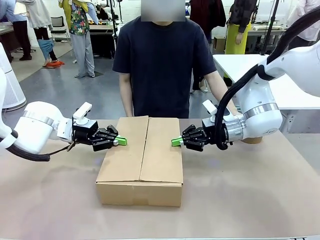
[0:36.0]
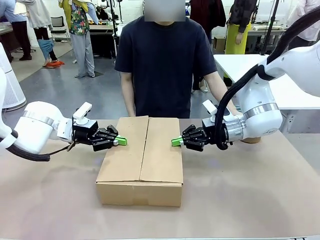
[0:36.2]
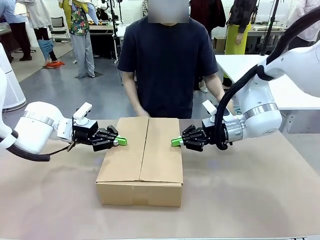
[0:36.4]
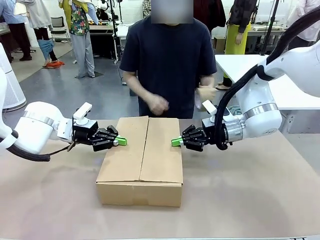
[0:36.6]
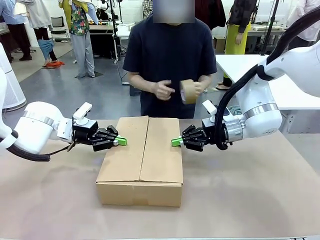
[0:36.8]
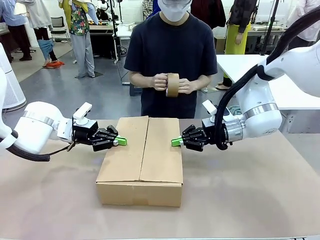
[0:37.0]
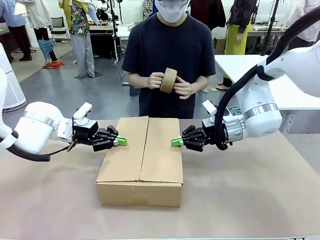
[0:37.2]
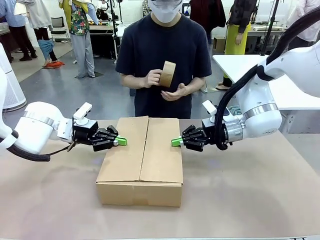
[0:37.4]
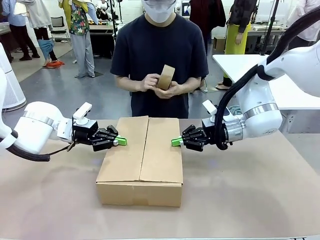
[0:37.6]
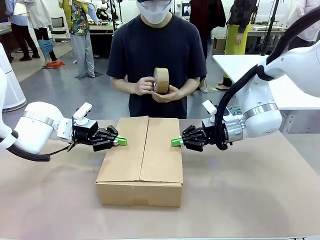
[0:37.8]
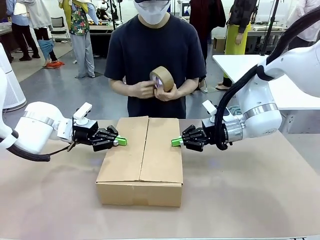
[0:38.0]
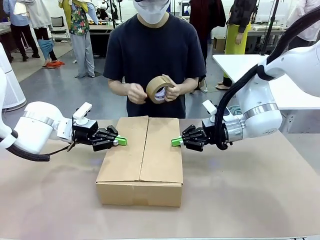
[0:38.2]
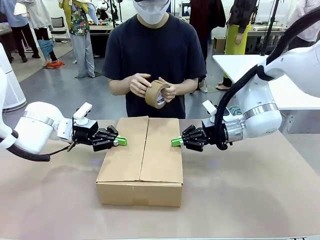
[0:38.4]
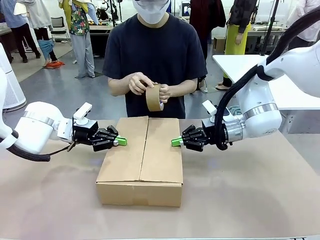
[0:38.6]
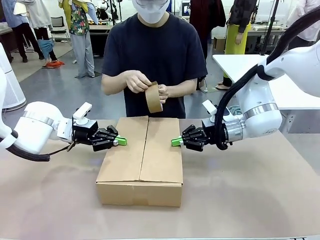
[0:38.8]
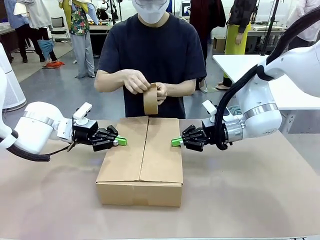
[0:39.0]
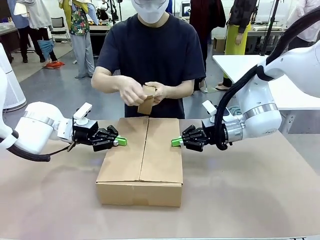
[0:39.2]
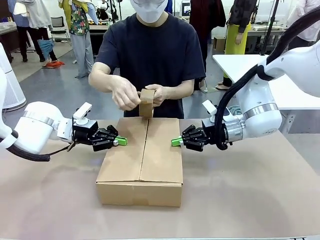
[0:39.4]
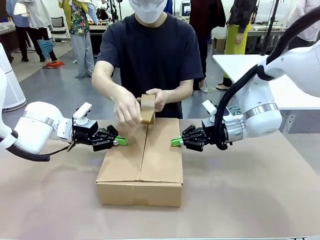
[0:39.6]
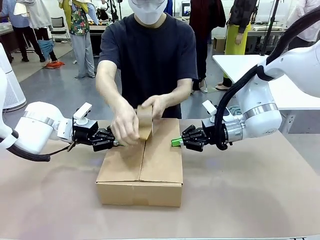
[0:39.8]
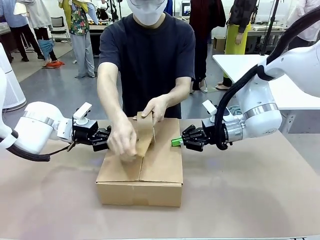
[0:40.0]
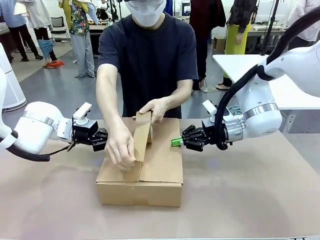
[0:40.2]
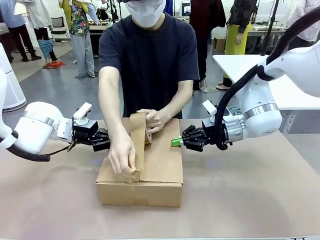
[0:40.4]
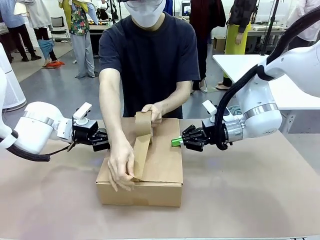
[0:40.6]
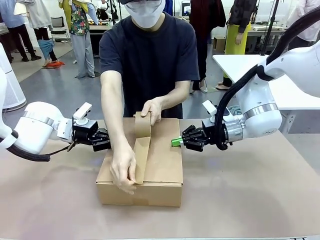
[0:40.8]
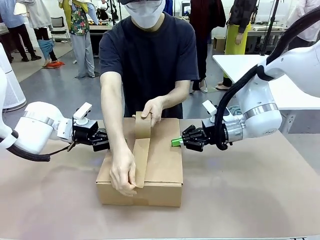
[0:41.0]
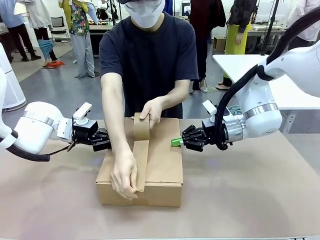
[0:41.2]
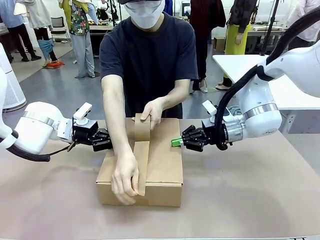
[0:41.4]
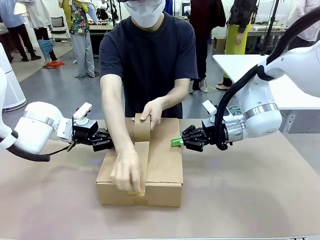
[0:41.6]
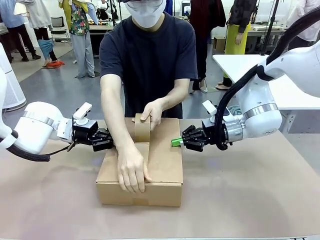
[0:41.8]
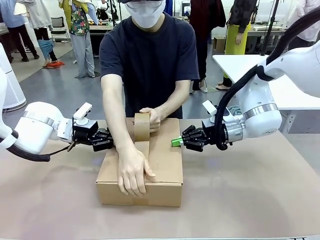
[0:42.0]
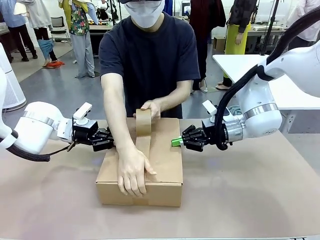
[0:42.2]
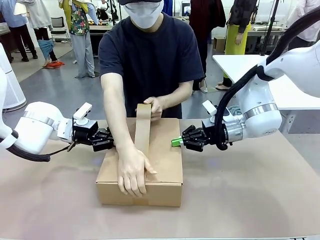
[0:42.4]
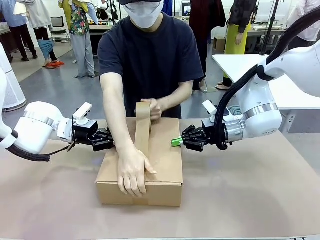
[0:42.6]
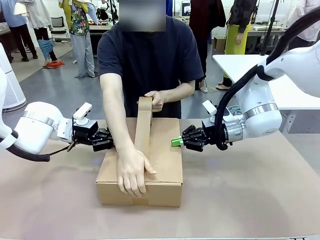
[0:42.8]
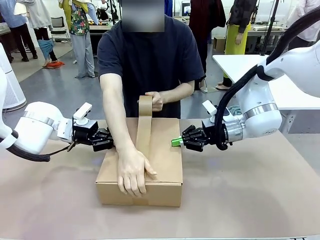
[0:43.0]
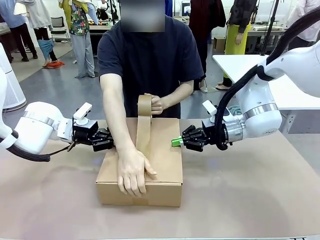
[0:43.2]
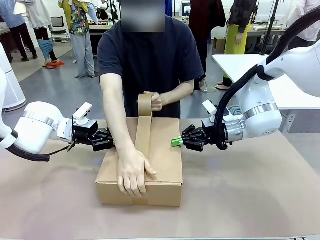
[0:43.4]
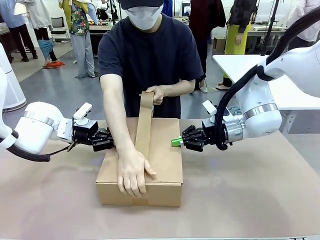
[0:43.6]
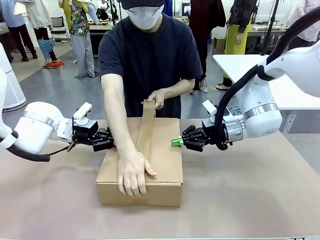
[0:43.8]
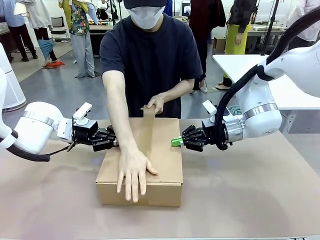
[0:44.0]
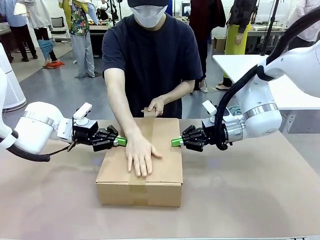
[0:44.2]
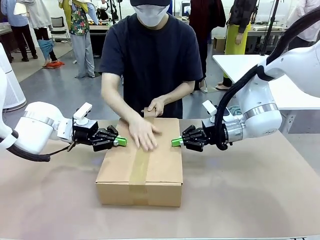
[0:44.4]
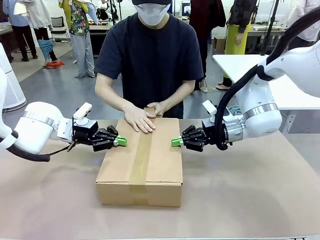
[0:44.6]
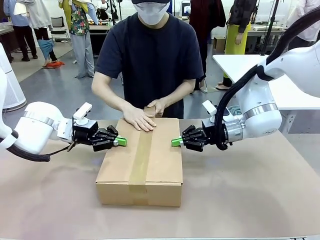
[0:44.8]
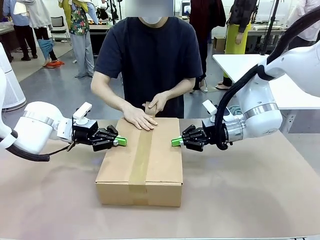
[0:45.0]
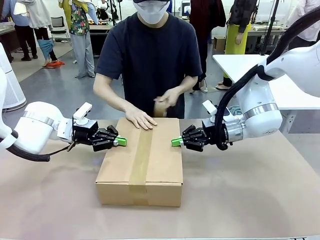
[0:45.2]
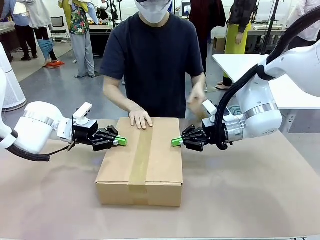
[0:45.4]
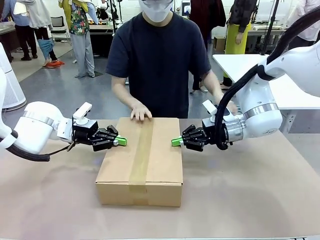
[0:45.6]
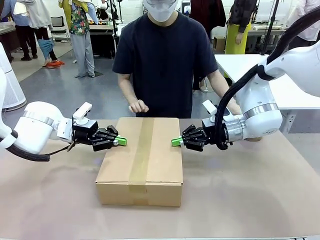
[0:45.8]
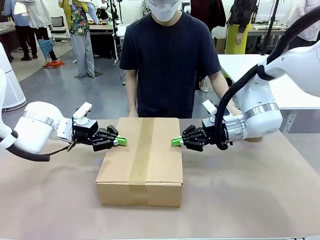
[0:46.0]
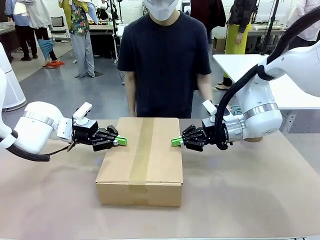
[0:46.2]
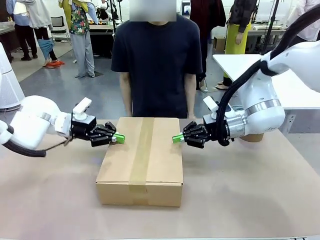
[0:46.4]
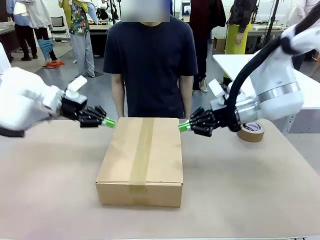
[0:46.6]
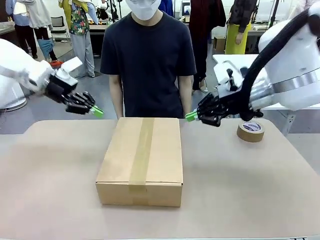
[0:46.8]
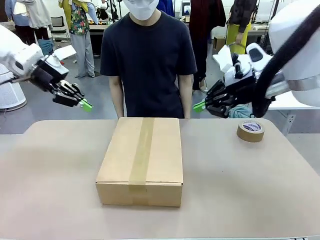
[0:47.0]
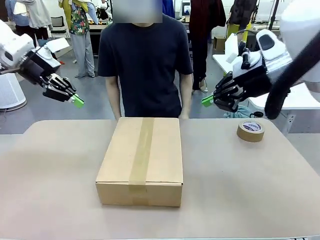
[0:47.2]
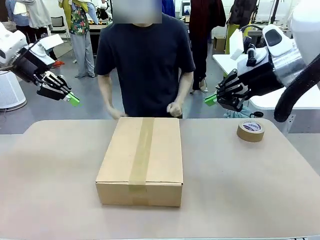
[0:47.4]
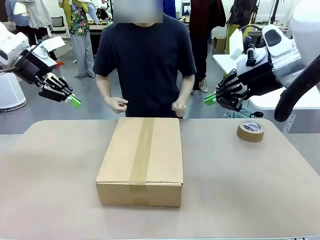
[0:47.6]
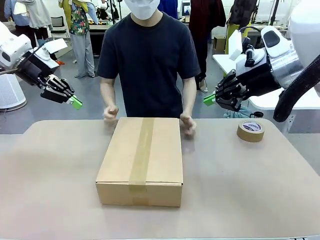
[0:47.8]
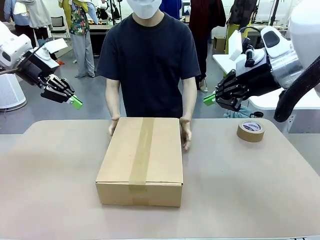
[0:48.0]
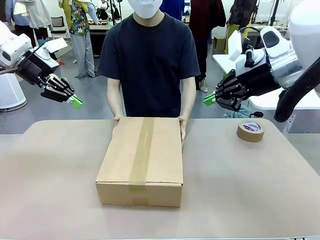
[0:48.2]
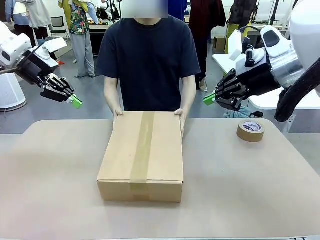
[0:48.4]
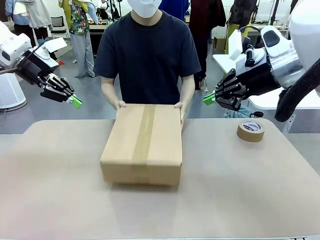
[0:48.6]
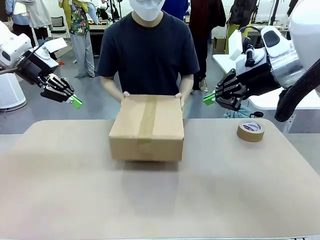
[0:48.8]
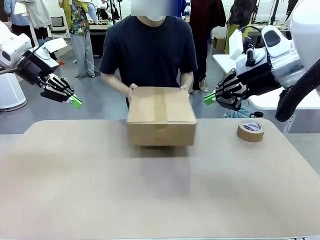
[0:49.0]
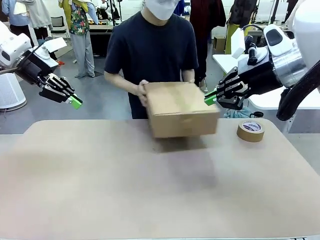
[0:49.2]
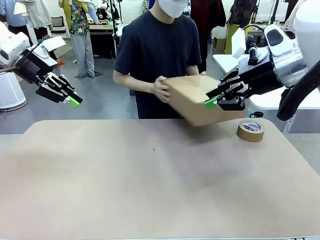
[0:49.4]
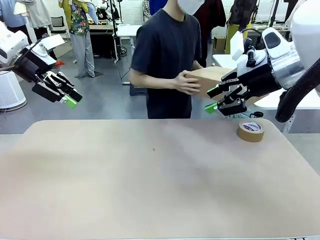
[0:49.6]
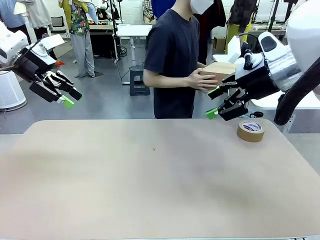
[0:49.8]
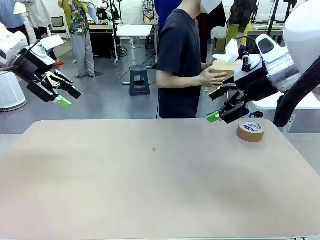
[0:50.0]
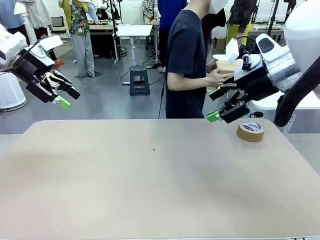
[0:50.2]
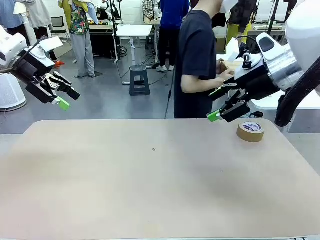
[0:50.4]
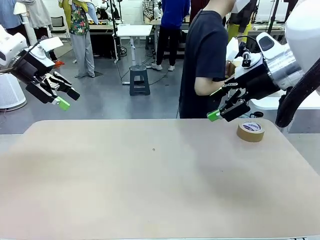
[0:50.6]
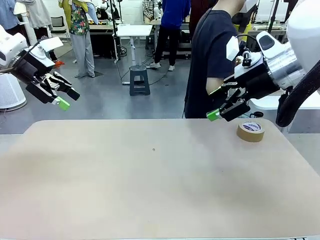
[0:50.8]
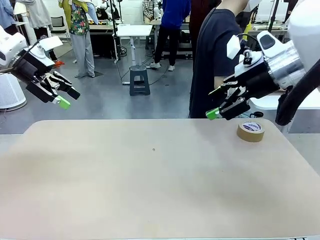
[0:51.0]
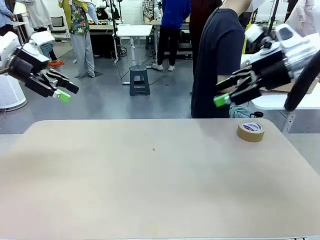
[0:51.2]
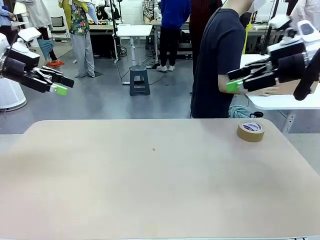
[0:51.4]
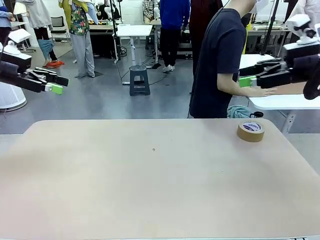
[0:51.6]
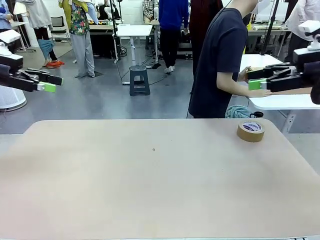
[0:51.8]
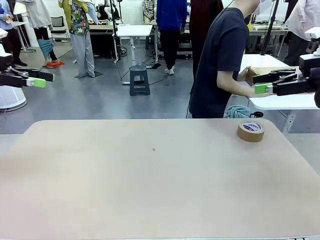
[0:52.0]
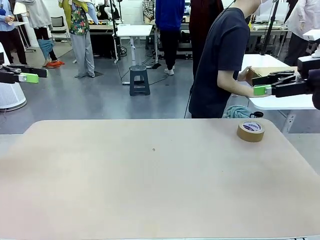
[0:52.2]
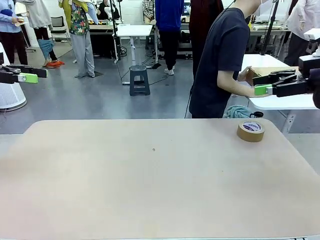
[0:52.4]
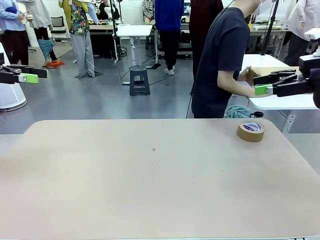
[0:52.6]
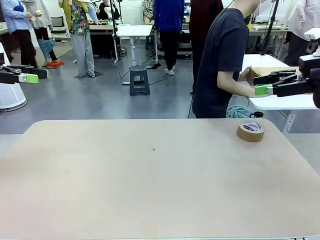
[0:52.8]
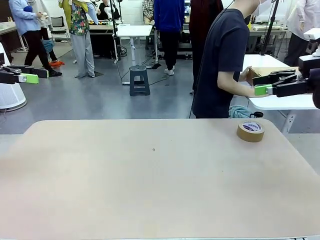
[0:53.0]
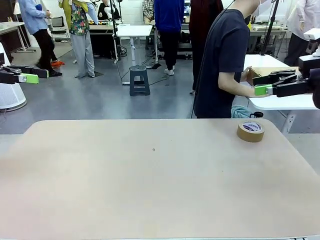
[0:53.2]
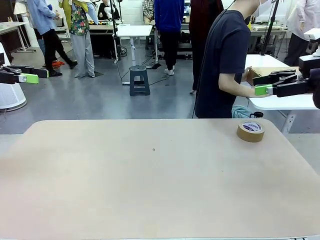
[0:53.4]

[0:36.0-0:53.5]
Task: Wrap the clocks to prevent damage.
Robot: After the human seals the box with tape, release both hands from the side flaps of the Package Box.
Person: Once the robot closes the left flap of the Package Box , seal the box with Paper Tape. Place sealed Package Box in the middle of the human's table.

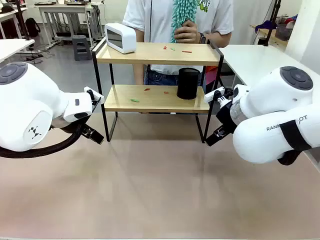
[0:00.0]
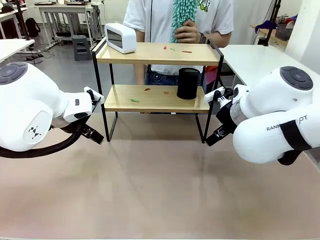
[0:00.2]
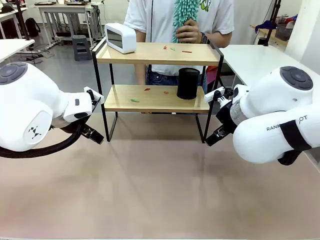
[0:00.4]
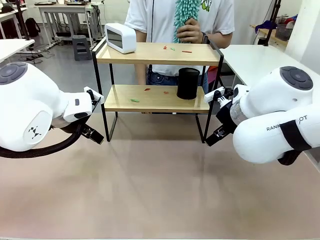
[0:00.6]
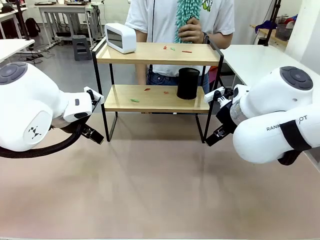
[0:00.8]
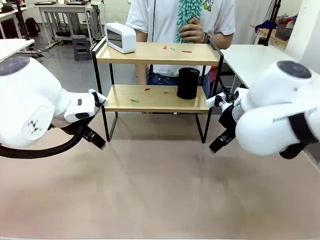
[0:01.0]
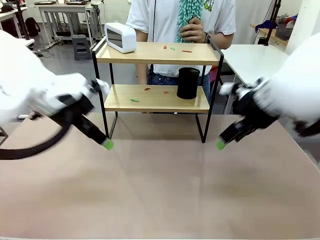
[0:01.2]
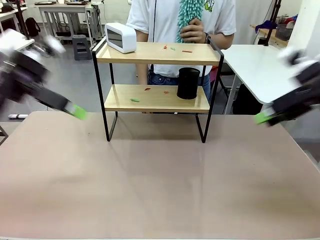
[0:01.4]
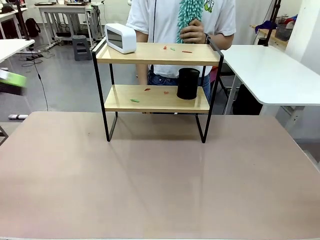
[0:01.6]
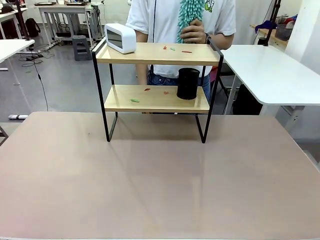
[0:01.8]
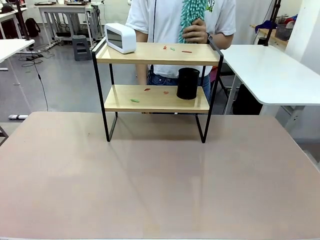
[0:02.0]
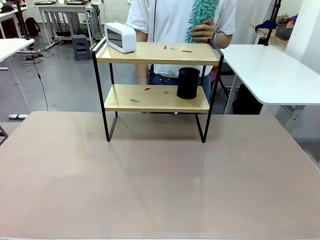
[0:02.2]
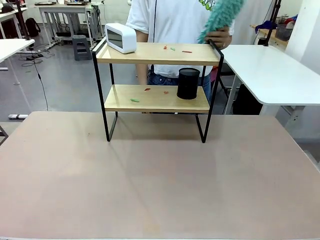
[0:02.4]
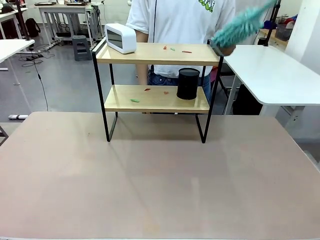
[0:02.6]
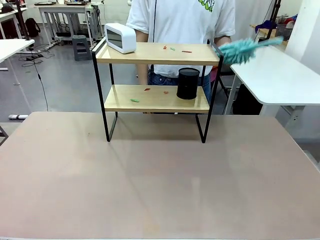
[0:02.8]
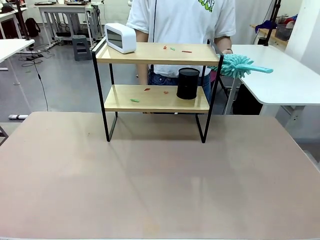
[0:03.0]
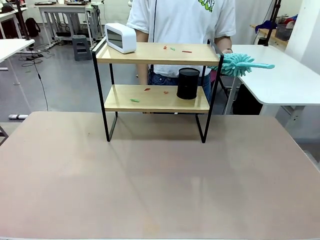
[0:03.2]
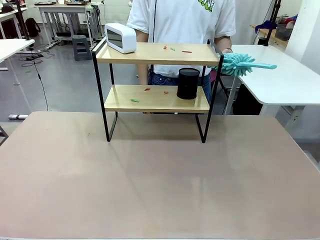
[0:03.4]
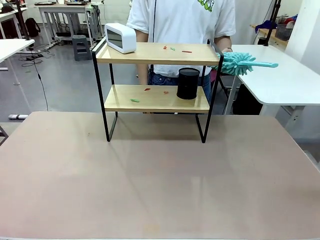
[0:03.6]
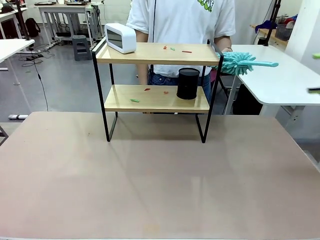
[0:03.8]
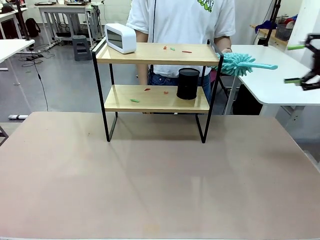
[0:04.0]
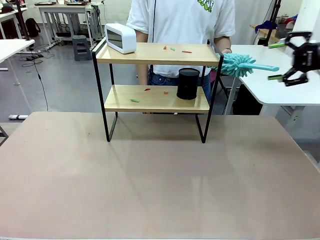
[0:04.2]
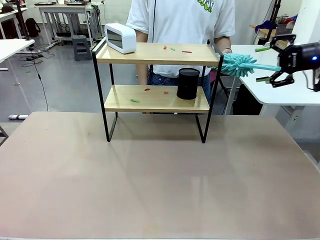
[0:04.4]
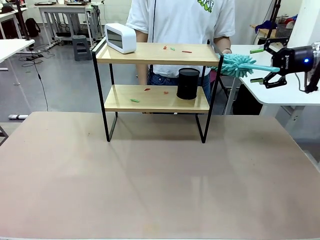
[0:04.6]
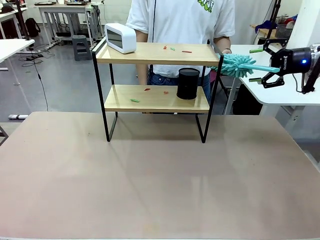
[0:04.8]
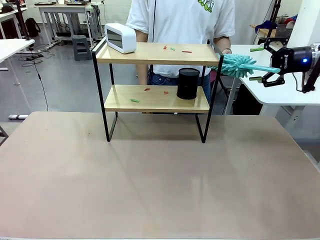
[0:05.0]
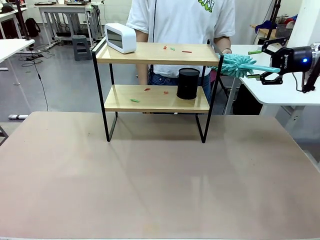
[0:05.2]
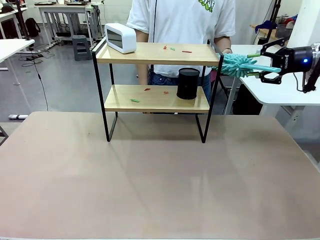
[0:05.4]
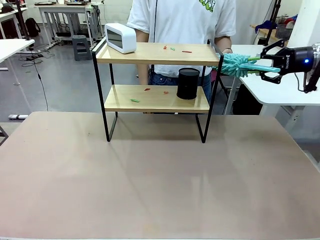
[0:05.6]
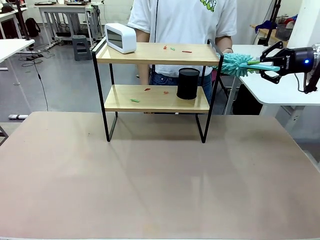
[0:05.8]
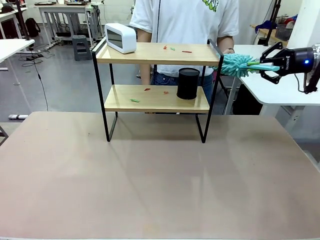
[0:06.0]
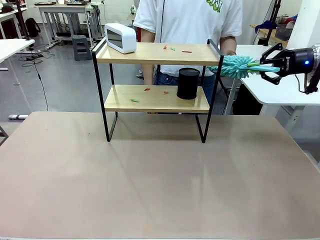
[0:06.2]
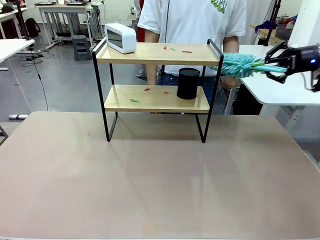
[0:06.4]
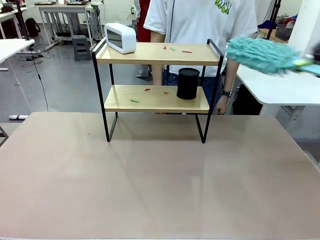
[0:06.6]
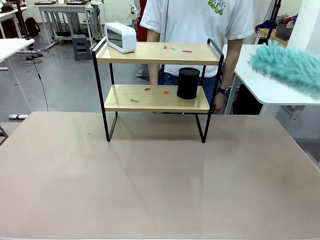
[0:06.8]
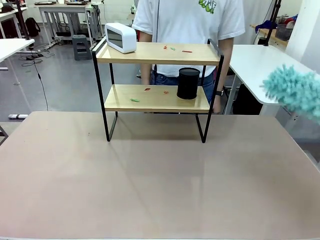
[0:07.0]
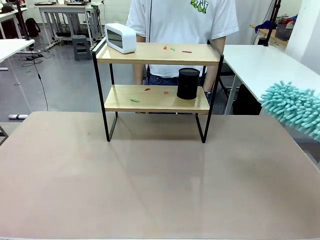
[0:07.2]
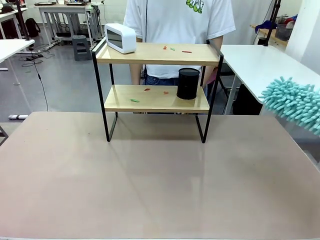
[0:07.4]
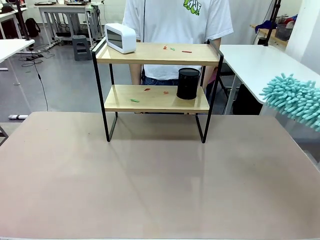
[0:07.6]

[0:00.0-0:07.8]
Task: Clean the shelf.
Robot: Pick up the Duster from the human.
Person: Hand the Duster to the robot.
